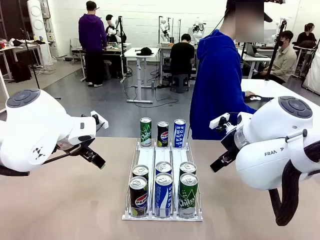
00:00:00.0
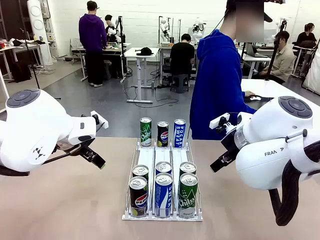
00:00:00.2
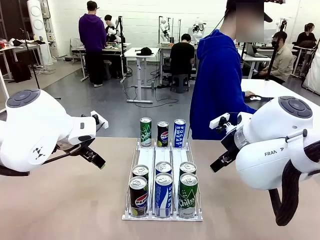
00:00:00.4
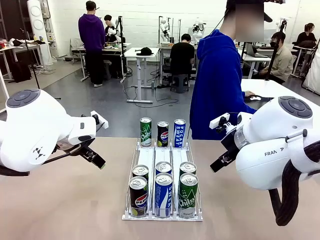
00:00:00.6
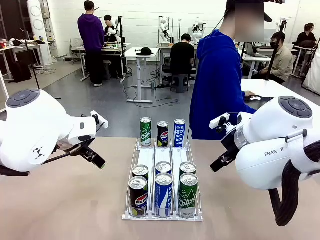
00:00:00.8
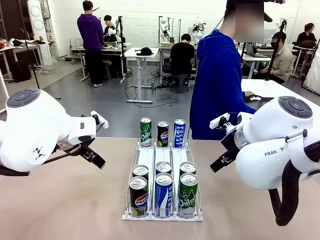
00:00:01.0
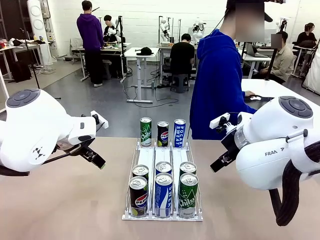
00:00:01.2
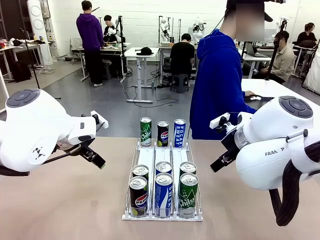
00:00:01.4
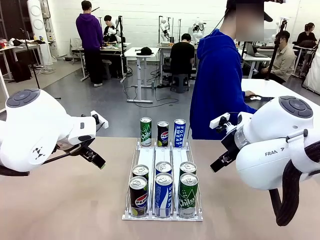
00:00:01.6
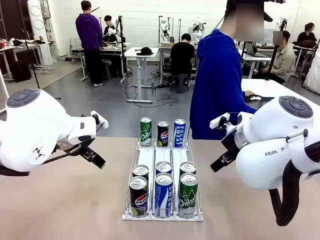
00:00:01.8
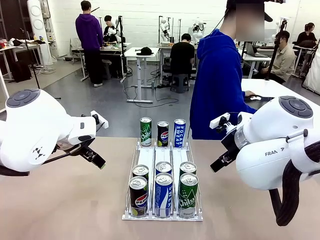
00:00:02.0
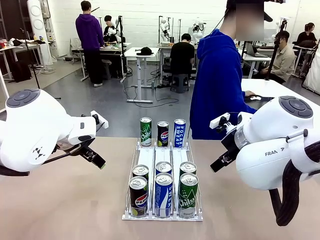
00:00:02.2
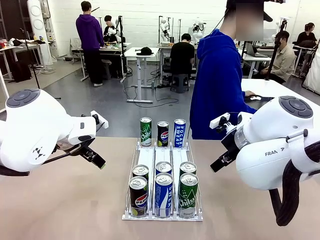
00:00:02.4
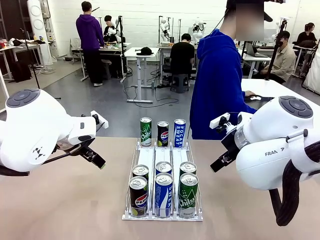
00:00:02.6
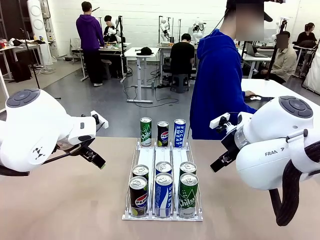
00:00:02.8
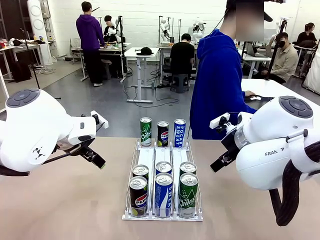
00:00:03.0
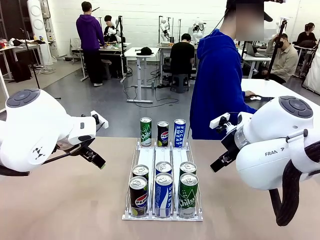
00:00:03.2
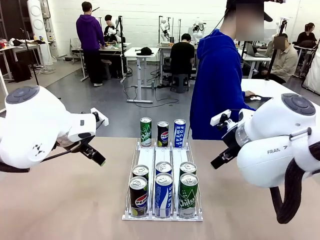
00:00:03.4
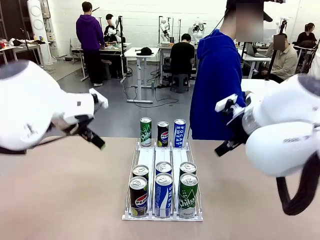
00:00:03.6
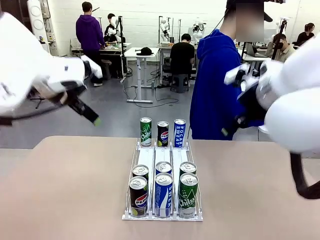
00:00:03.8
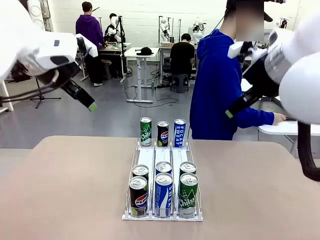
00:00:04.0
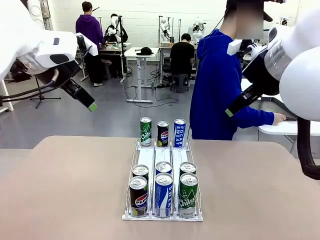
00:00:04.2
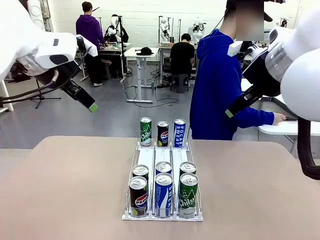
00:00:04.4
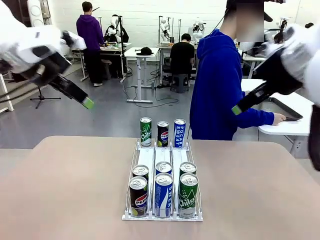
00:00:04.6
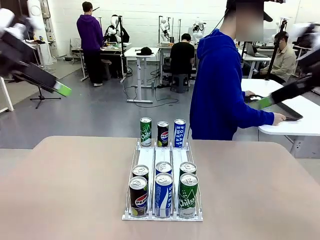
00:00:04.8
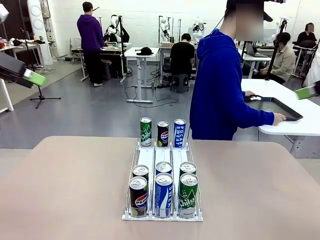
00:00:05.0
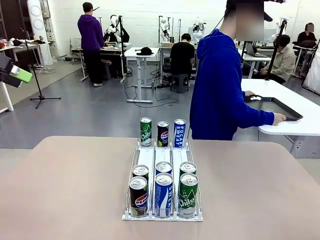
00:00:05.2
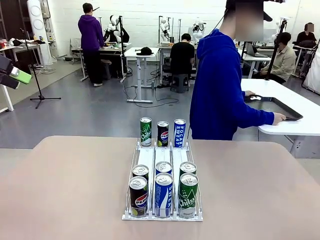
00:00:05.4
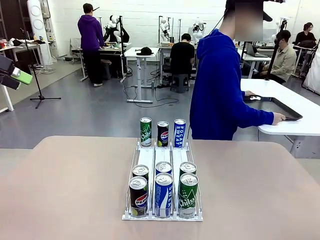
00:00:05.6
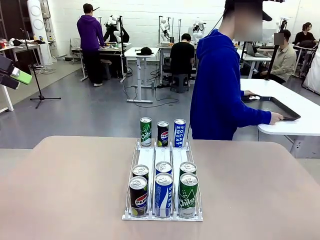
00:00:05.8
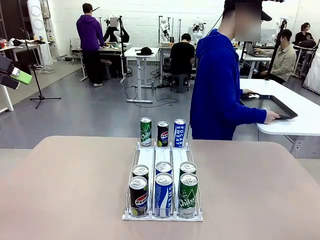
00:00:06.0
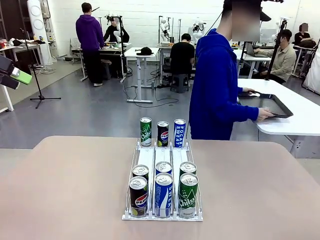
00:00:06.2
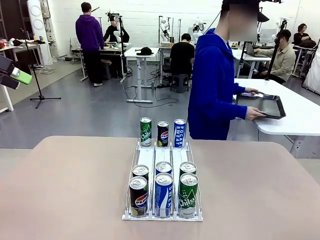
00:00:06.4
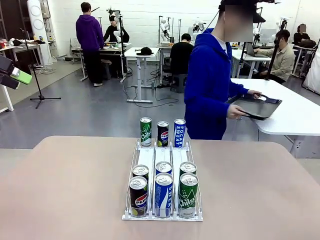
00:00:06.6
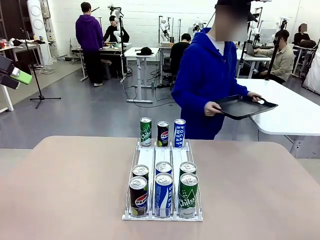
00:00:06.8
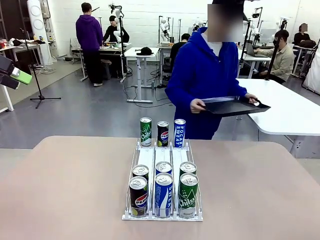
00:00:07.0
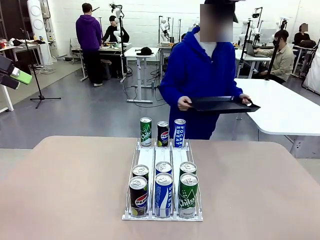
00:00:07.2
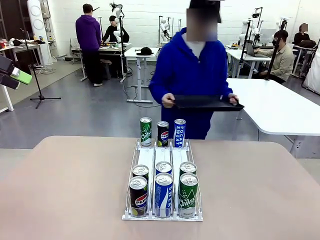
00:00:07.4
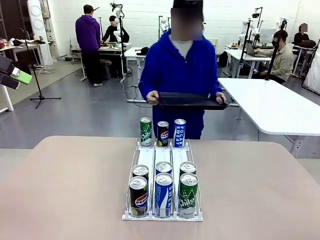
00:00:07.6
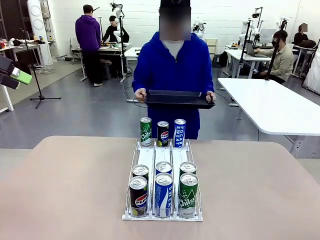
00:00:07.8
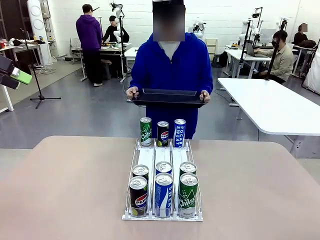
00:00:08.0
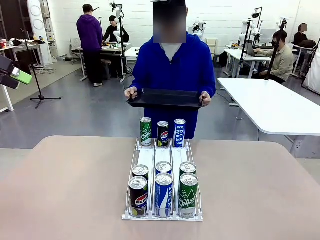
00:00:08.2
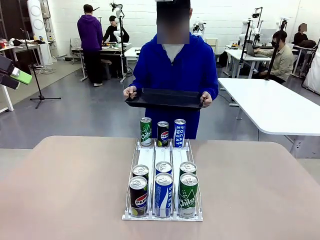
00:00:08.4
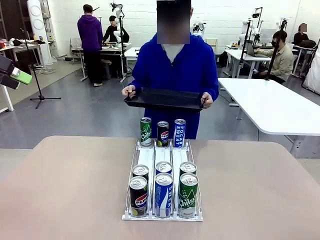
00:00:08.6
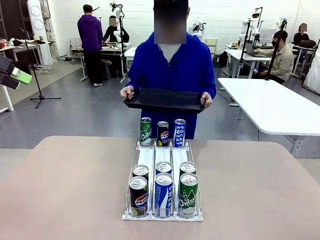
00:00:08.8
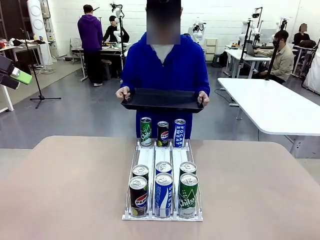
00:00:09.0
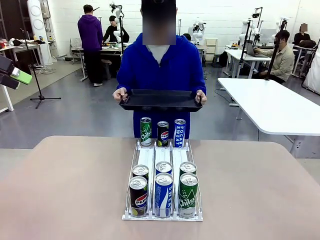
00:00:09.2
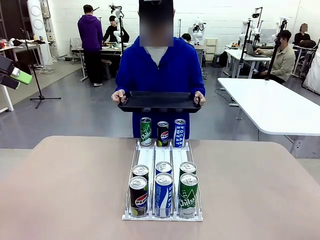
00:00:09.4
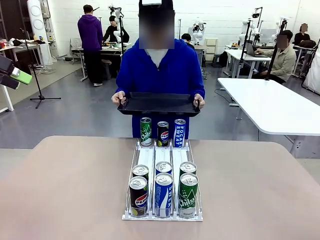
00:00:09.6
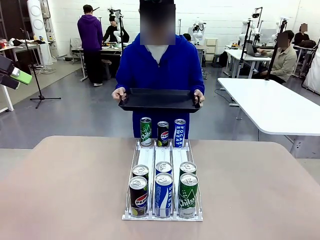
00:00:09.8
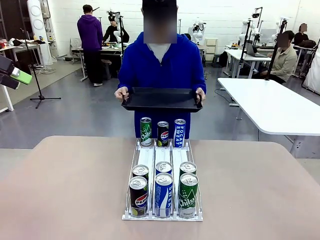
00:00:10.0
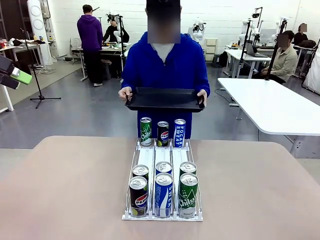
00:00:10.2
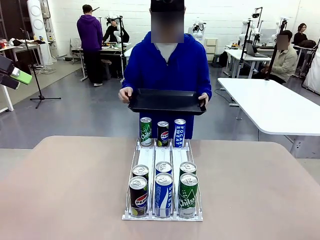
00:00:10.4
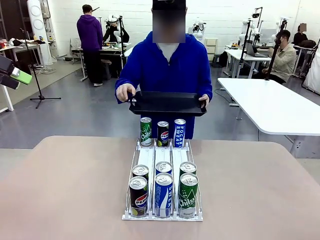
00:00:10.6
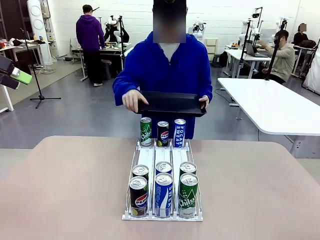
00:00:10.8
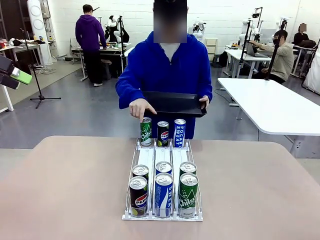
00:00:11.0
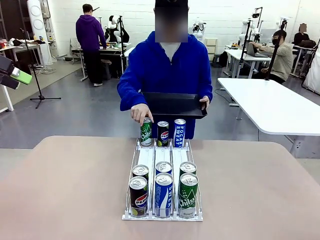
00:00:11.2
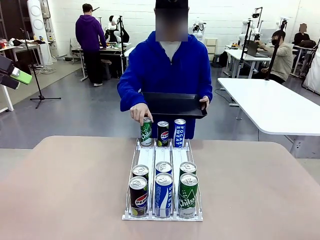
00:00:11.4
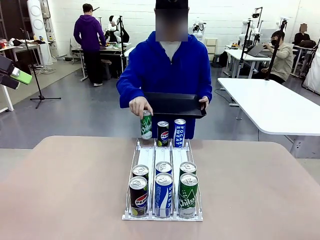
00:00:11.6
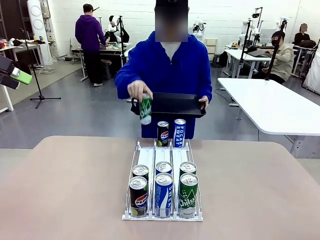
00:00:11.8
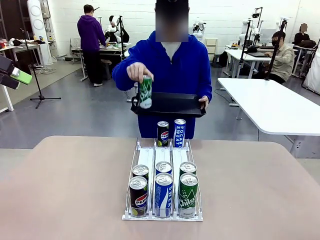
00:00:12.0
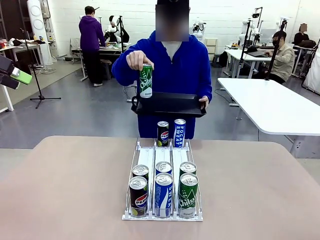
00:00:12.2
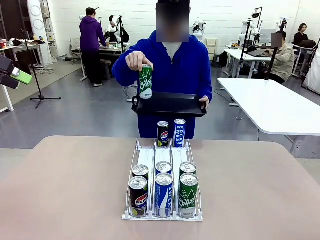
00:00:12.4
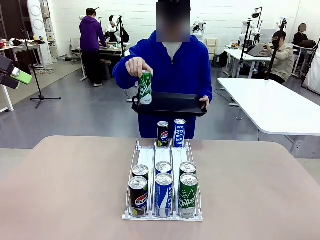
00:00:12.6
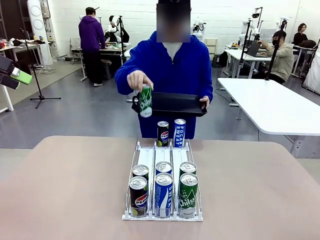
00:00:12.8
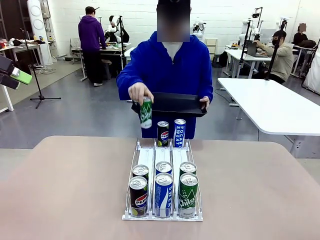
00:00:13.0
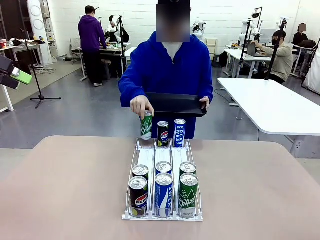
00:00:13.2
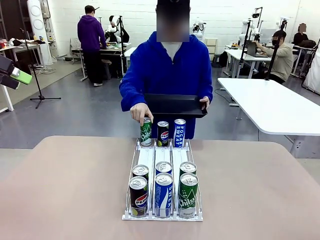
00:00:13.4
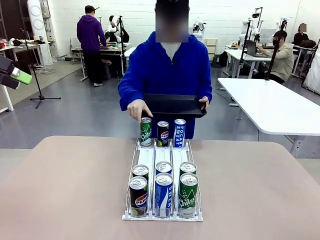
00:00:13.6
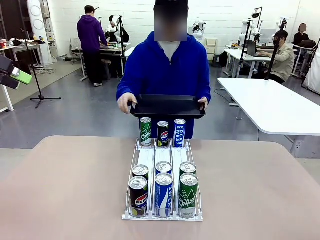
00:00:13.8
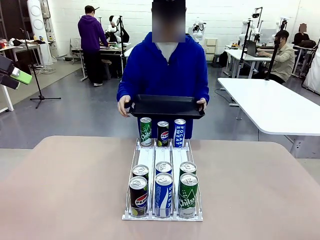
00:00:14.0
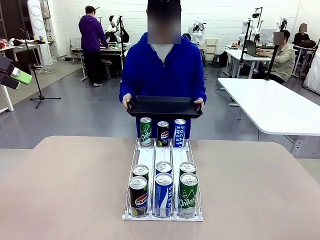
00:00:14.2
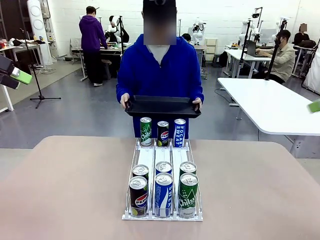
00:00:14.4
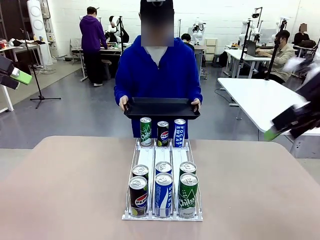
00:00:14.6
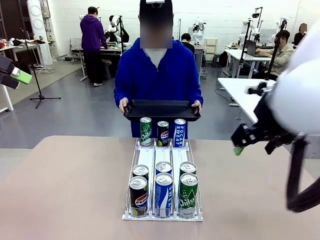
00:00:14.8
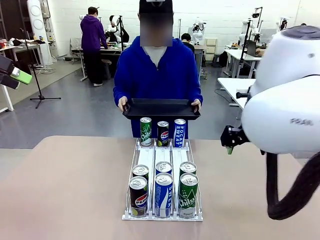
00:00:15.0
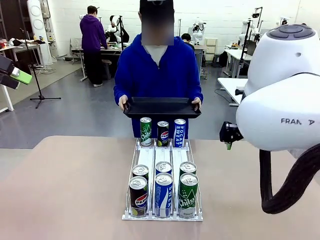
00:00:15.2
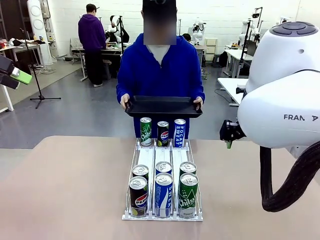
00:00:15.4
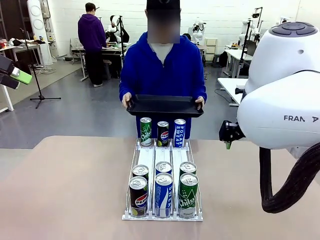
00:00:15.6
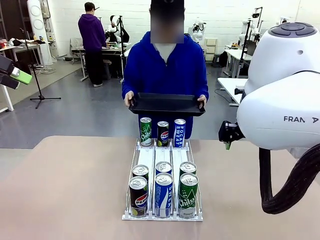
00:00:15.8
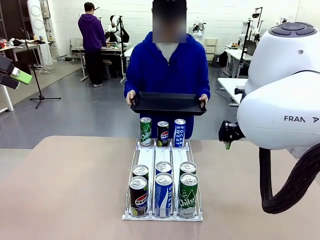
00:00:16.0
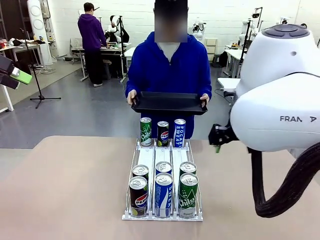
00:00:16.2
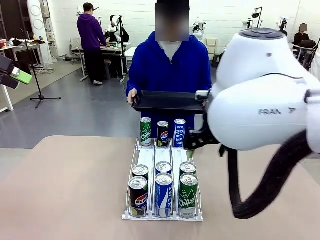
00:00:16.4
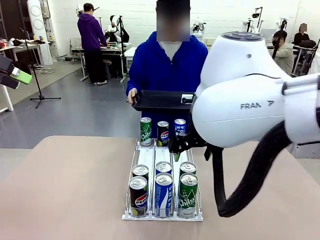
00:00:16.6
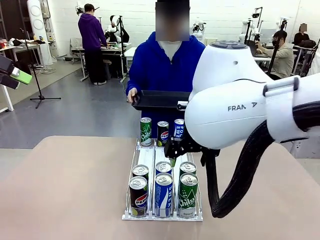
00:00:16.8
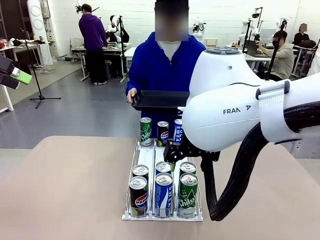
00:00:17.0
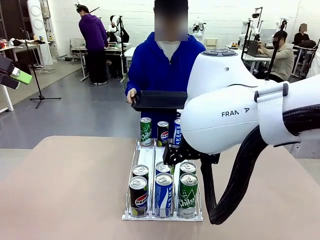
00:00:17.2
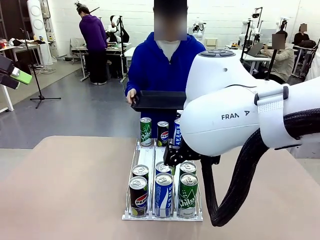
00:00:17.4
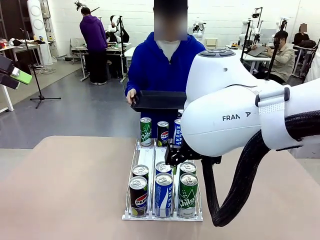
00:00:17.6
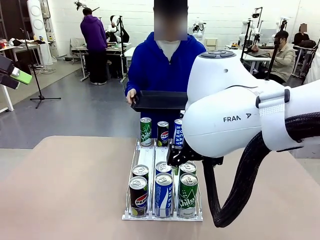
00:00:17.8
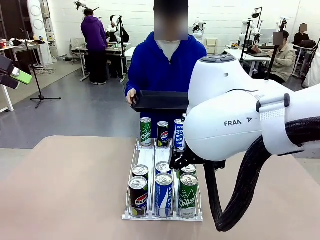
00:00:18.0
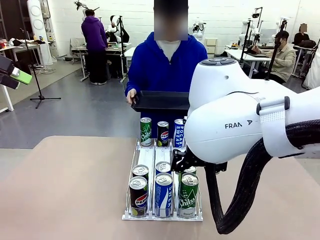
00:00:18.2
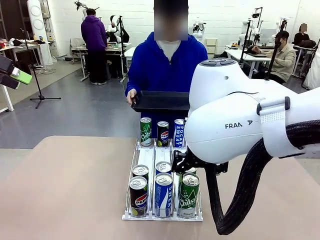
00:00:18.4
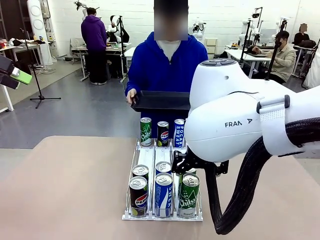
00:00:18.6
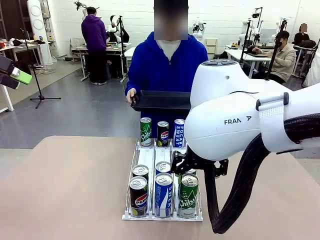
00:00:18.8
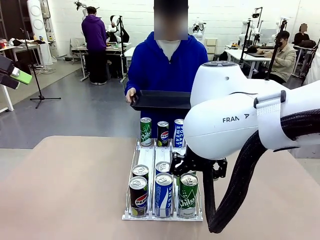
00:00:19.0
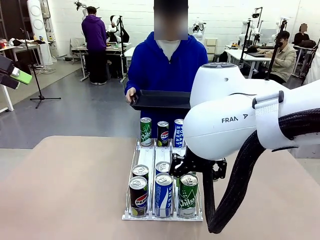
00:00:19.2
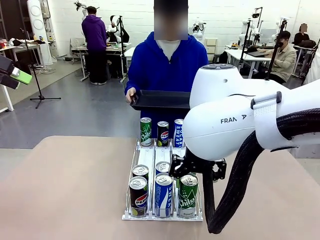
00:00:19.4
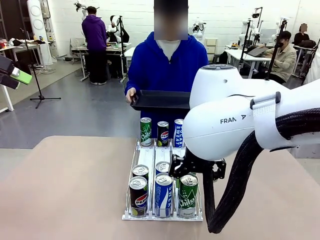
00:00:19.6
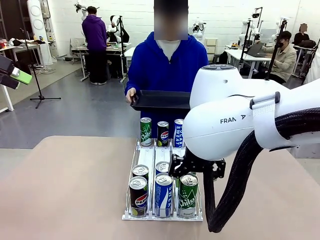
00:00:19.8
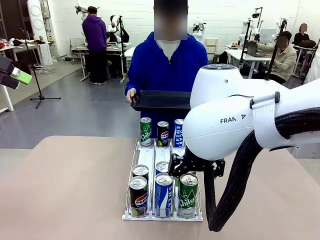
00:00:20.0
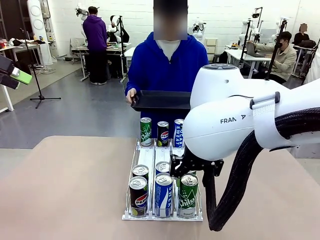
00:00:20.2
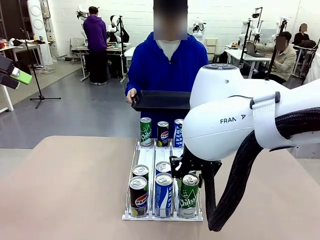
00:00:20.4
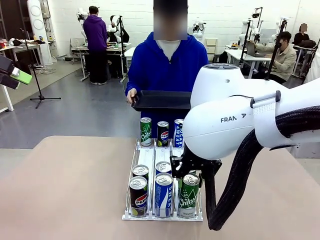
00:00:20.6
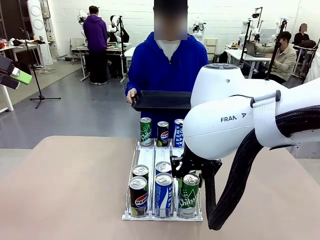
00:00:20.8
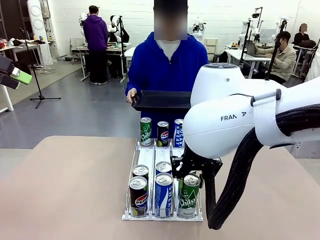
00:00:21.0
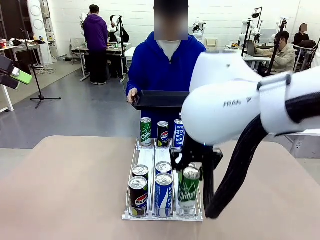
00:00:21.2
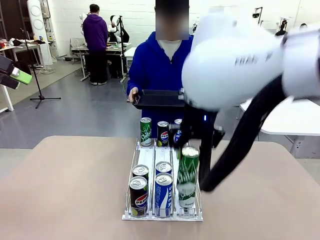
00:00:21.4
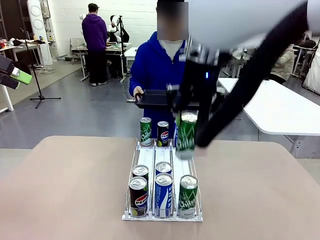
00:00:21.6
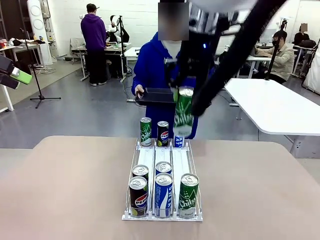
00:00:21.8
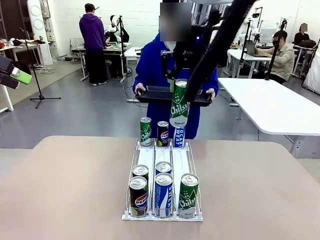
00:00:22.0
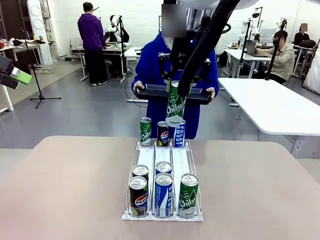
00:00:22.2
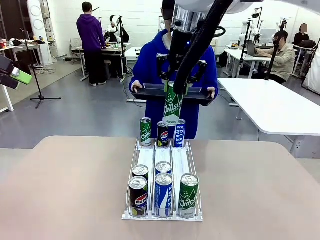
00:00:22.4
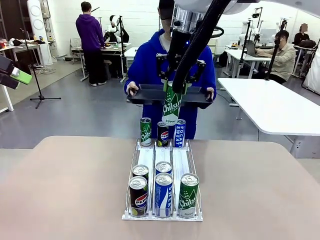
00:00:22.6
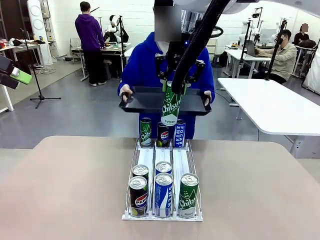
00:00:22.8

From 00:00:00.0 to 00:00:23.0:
Task: Retrieve and hand over the desired beverage to the person.
Robot: Pick up a can of the same type that the person held from the Automatic Can Dispenser.
Person: Hold the tray and position yourself in front of the robot table. Pick up one can from the bottom area of the table and puts it back in its original place. Push the tray toward the robot.
